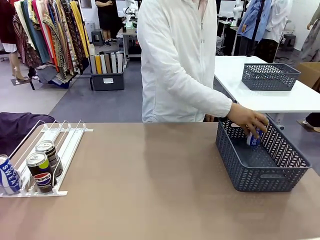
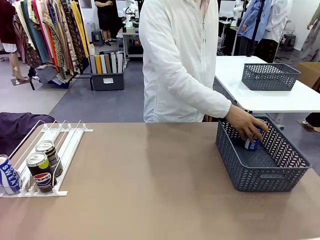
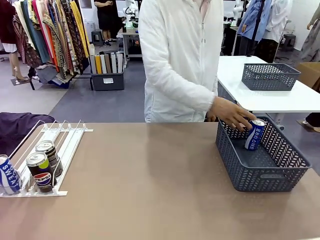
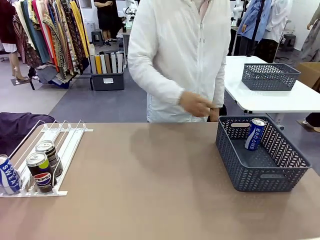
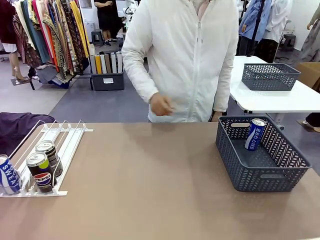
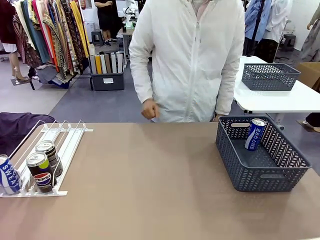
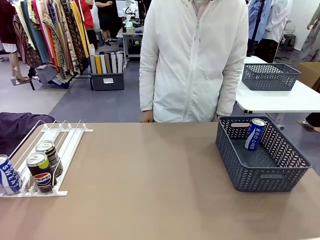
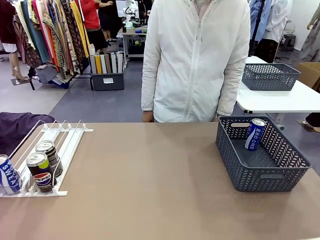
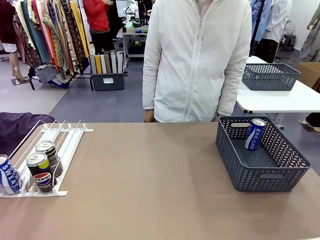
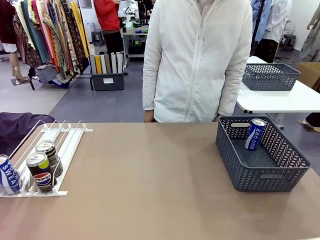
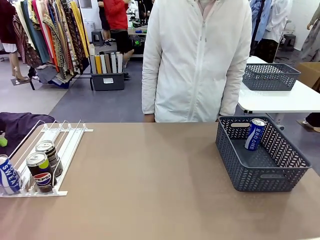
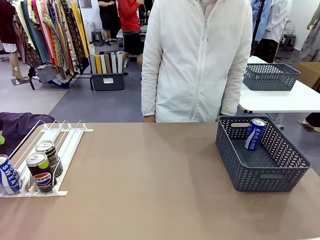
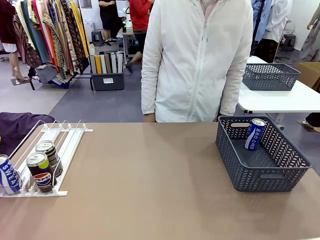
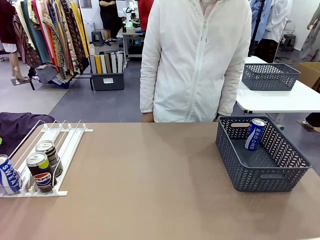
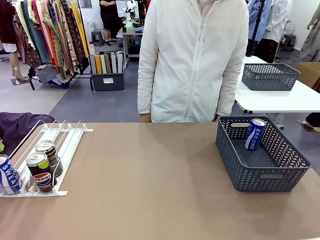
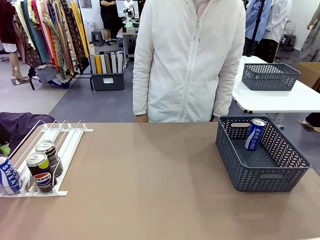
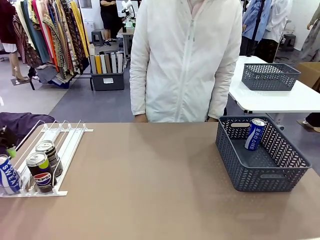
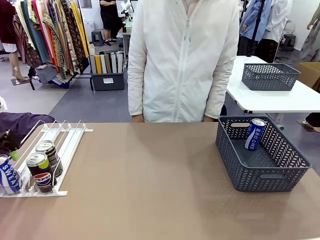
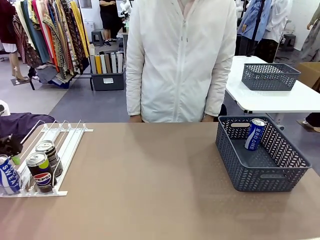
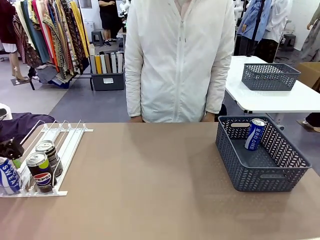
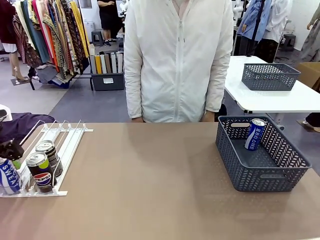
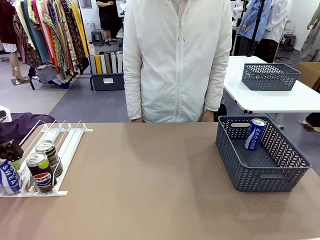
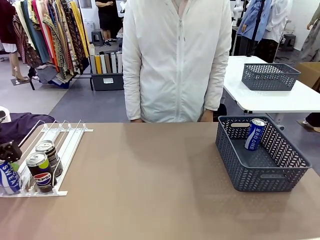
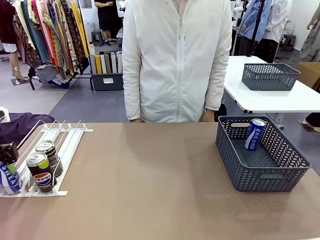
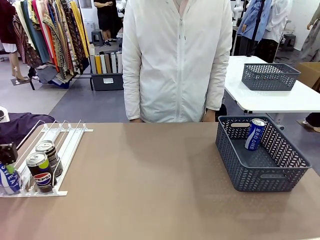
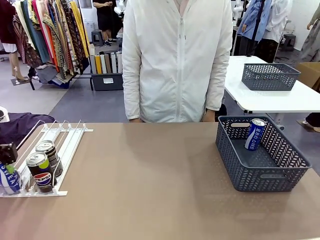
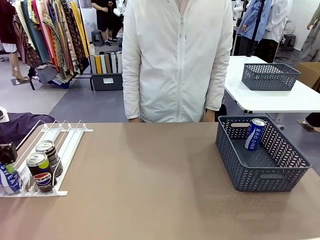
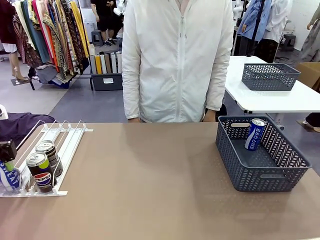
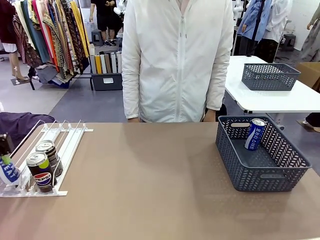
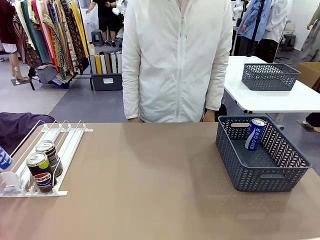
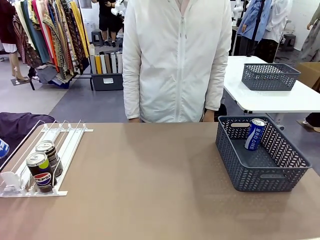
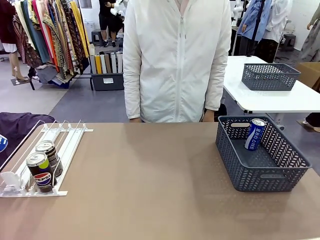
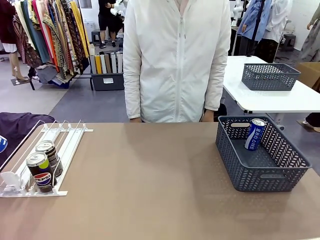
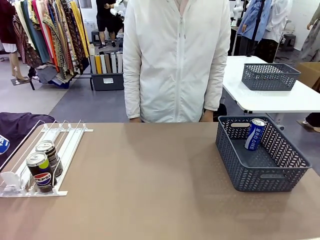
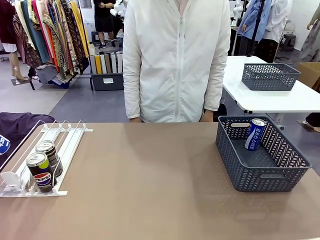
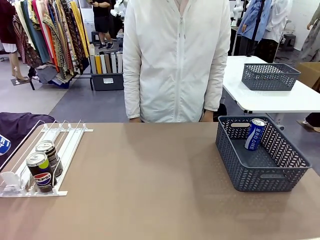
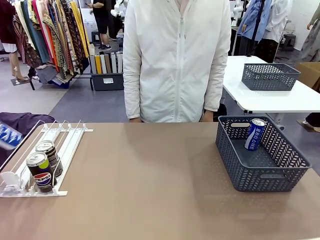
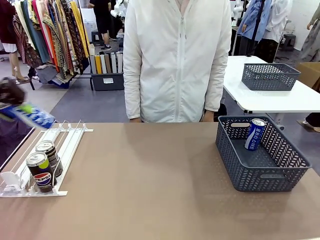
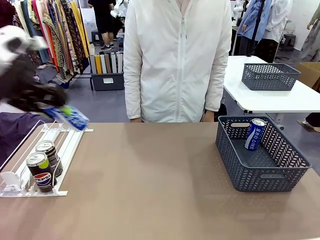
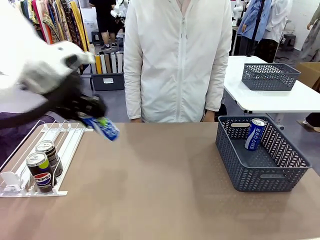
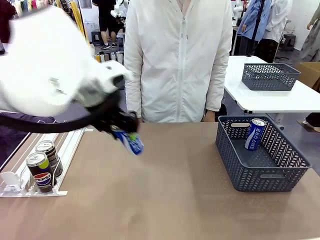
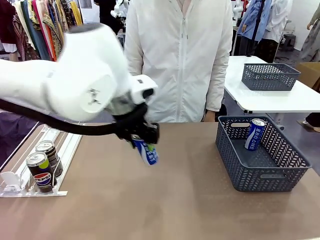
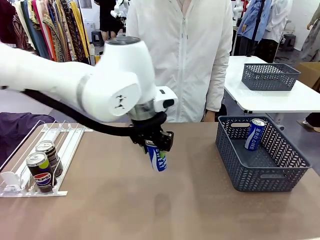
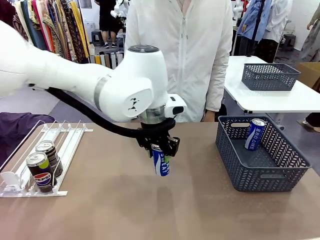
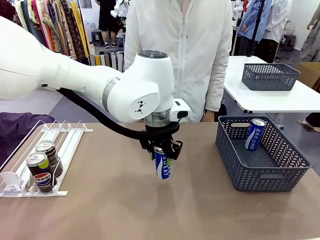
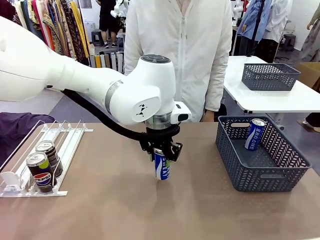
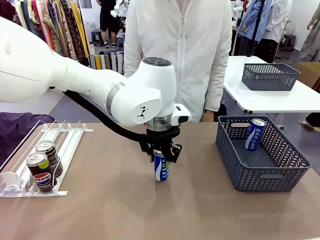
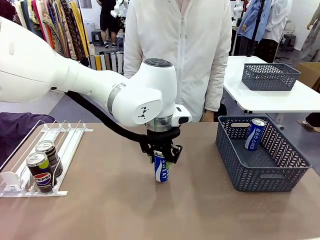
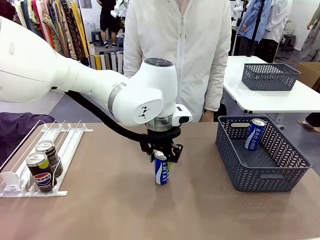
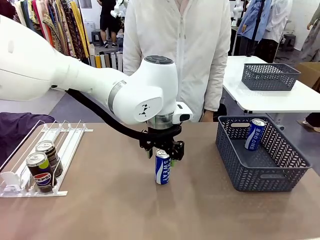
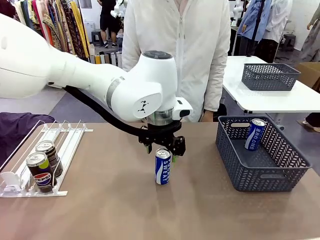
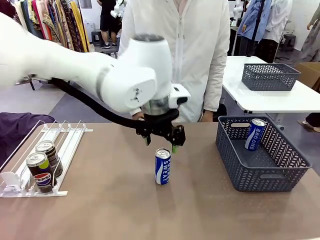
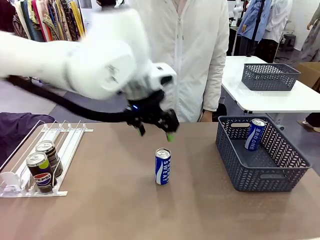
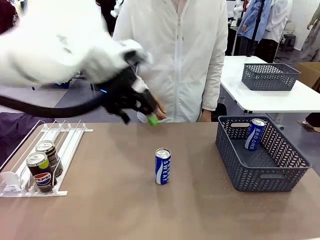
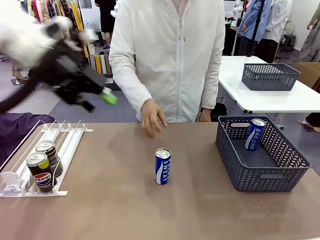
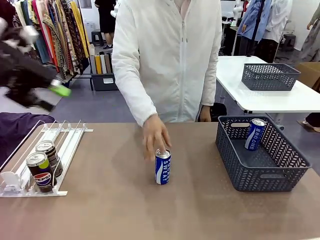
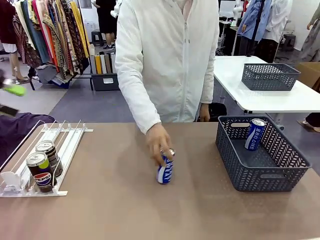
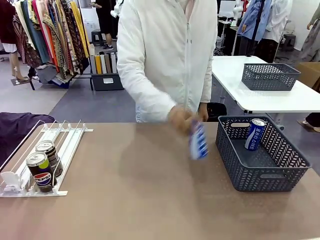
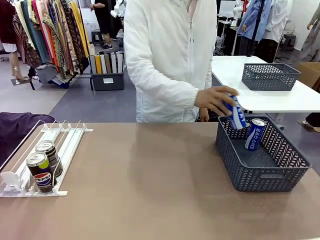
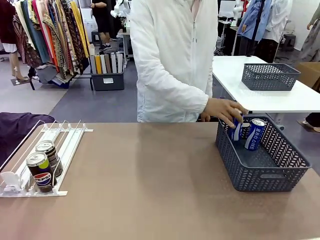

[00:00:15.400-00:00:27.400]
Task: Retrieve and store the cans from the dispenser.
Robot: Pick up the last remaining can from one row of the Automatic Can Dispenser and place it in the middle of the table.
Person: Pick up one Pepsi can from the middle of the robot table and place it in the basket.

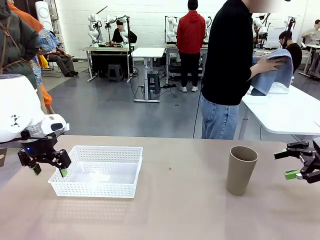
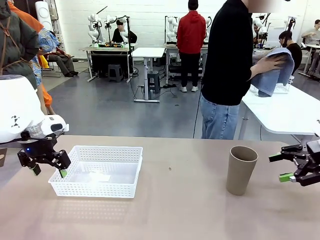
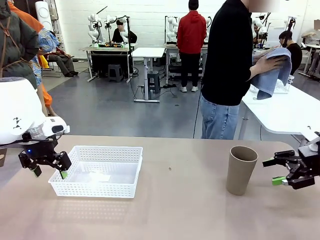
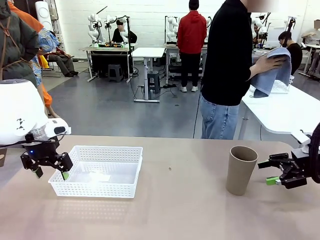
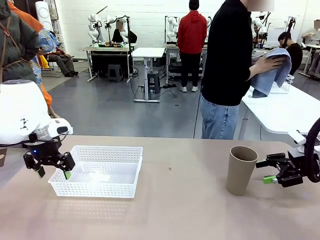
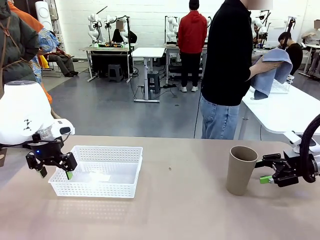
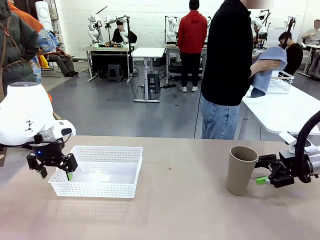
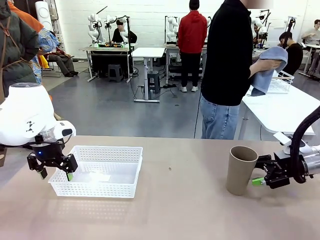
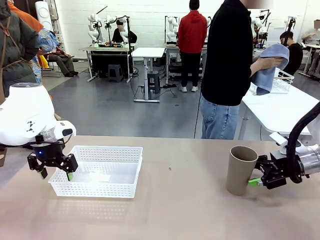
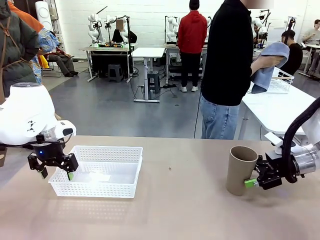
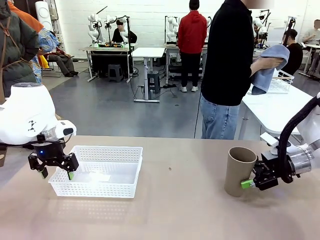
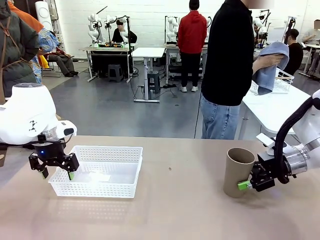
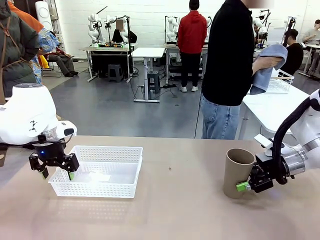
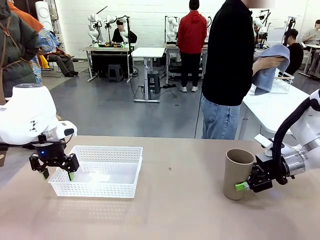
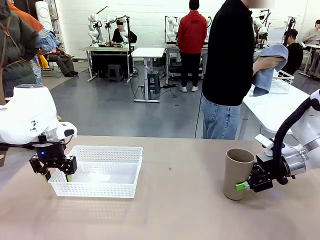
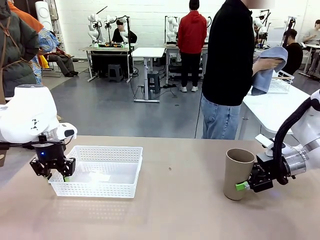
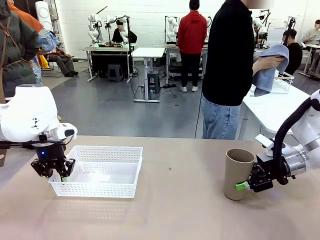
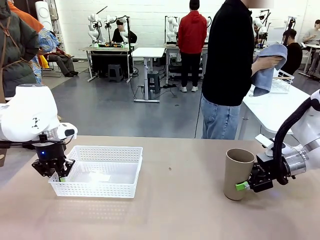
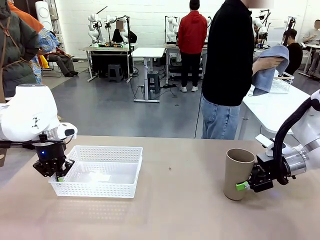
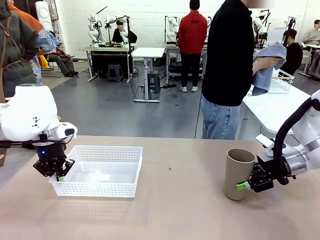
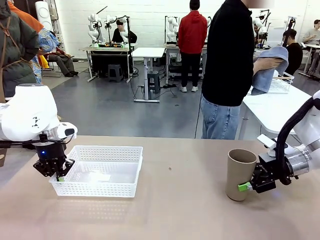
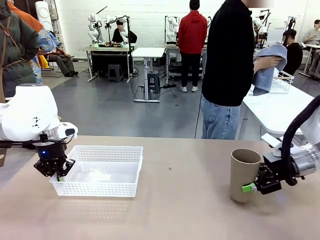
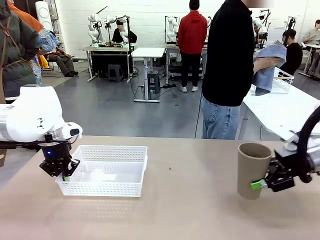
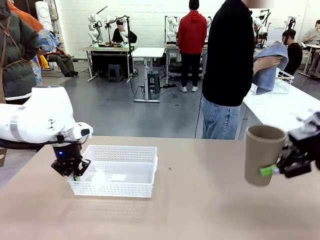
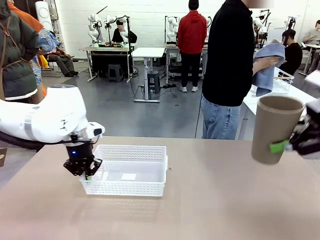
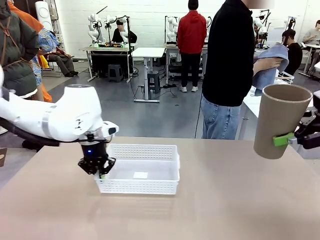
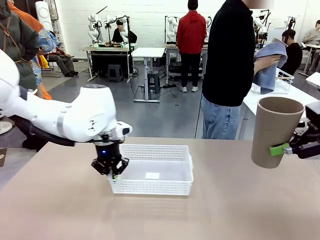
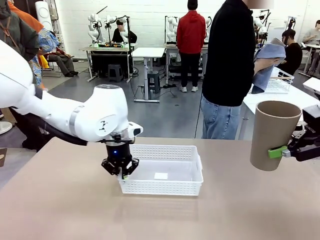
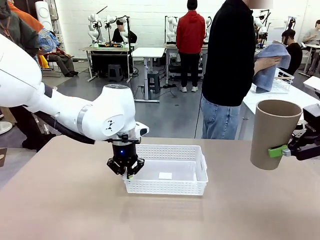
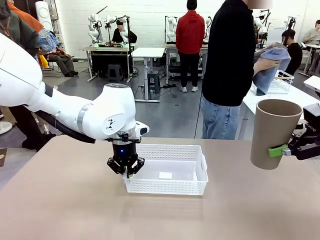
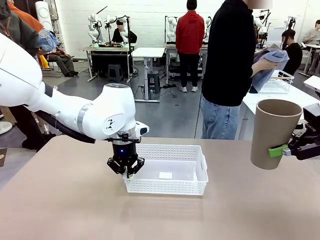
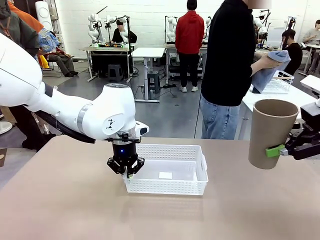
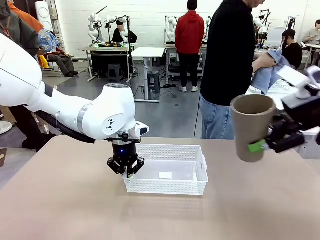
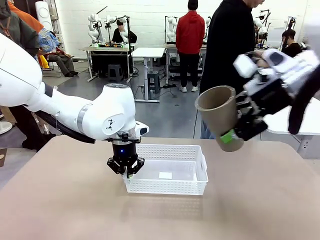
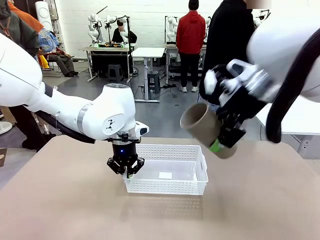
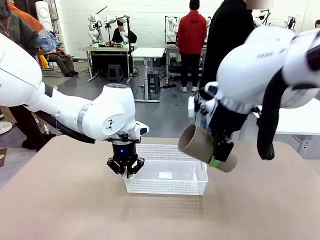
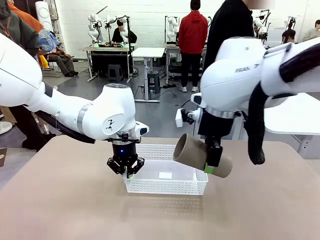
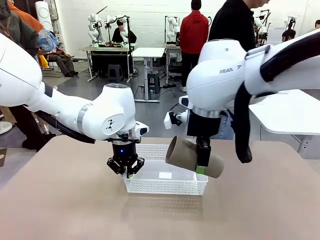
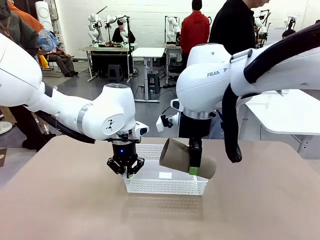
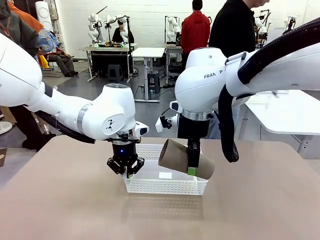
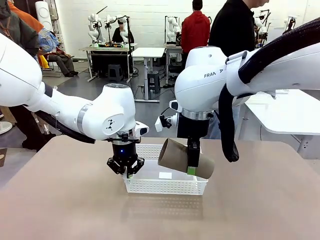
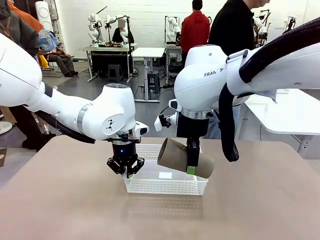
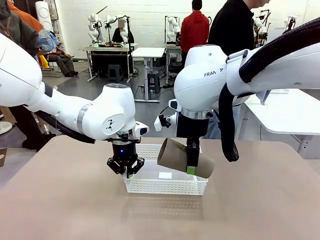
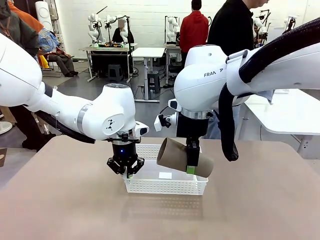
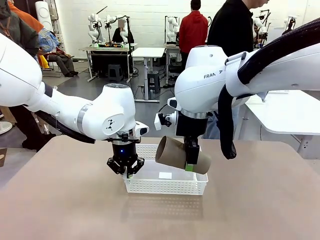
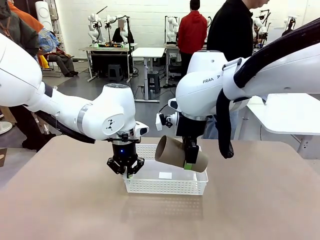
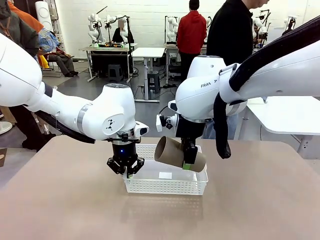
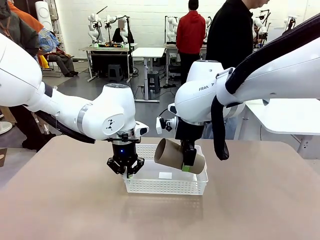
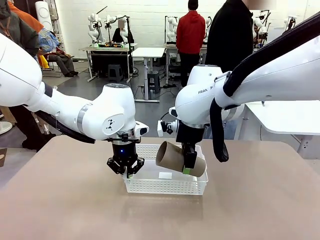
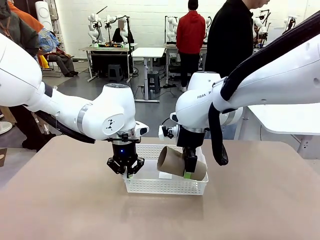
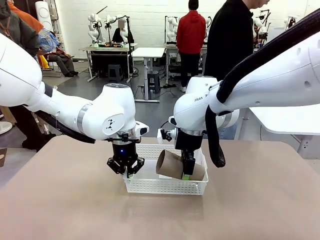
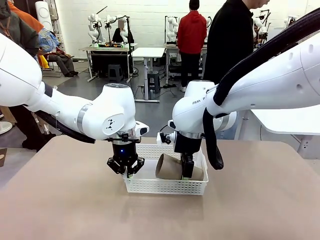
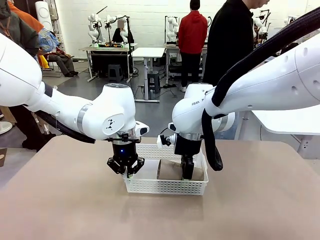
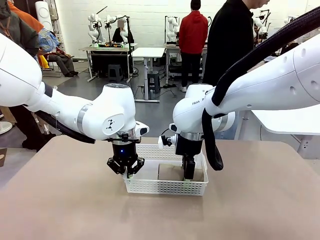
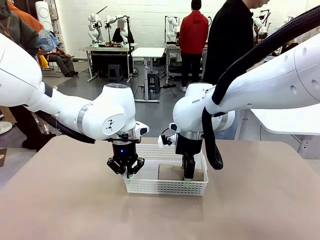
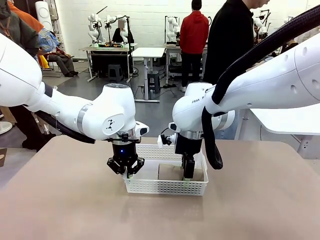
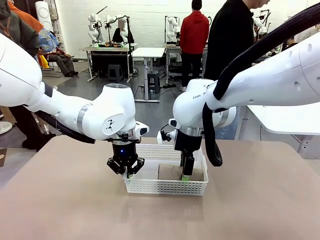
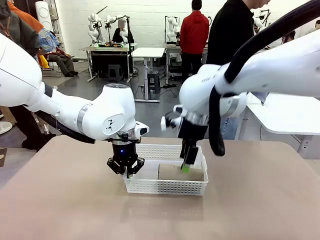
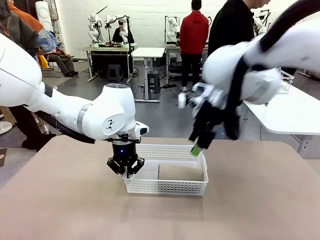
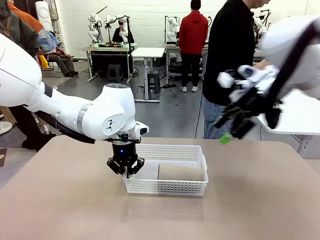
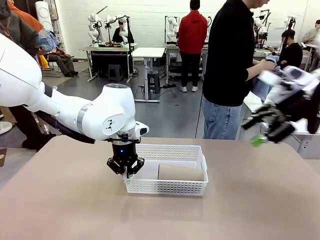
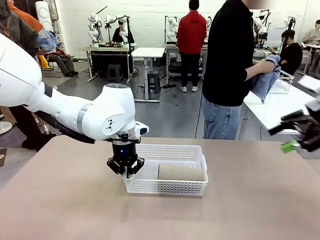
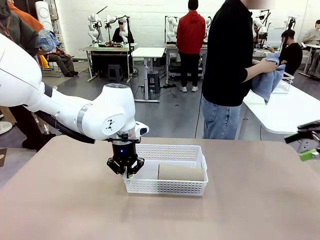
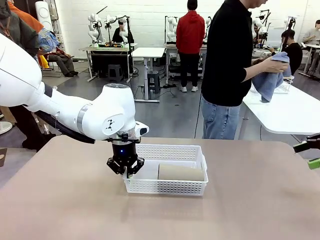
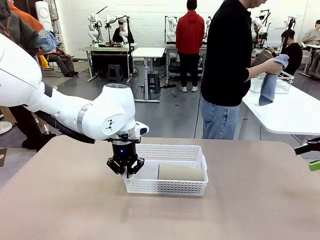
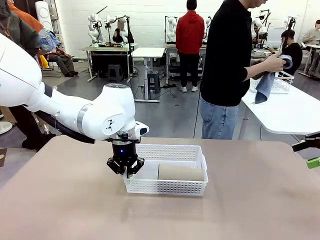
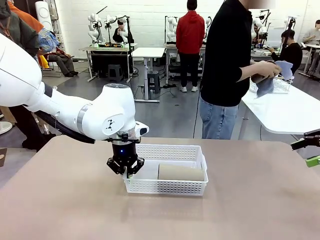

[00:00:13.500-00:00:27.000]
Task: Clean and organize the cups into the basket.
Robot: Pick up the Organizing basket and move it to the center of the table, then pick up the Reusable plastic cup from the right side of the table and place it inside the Organizing basket.
